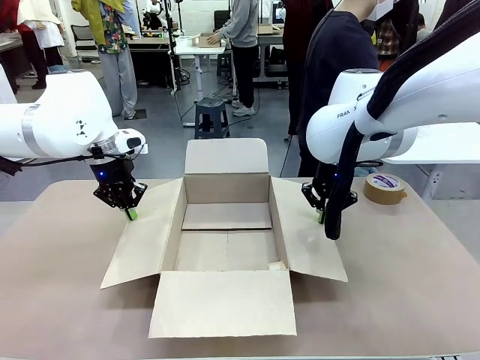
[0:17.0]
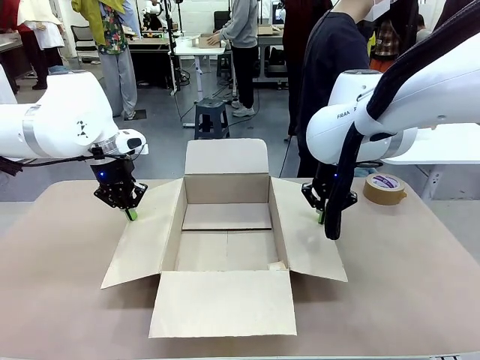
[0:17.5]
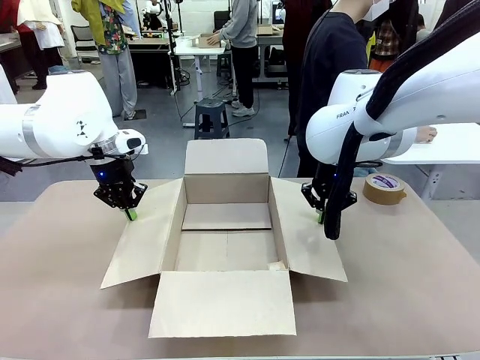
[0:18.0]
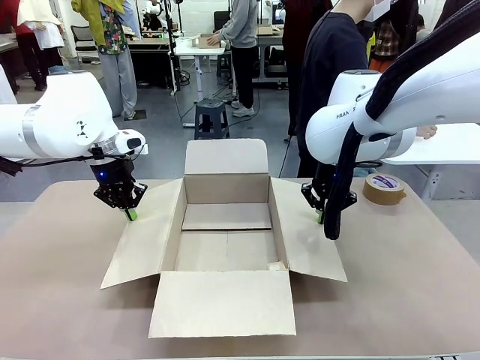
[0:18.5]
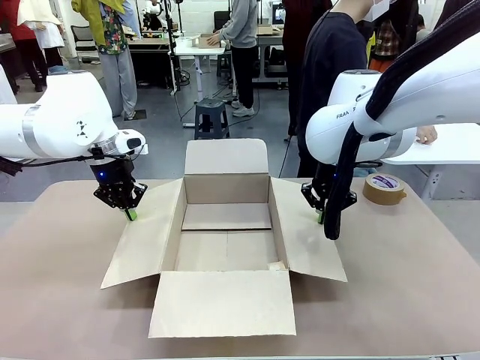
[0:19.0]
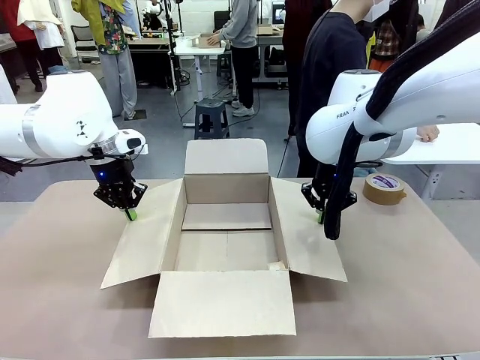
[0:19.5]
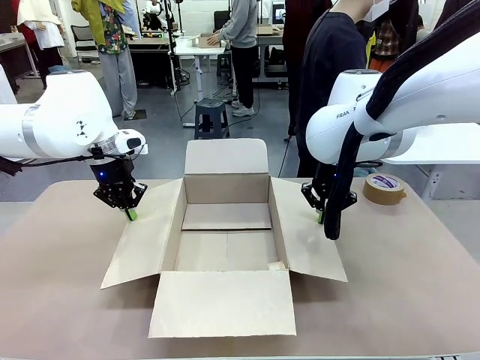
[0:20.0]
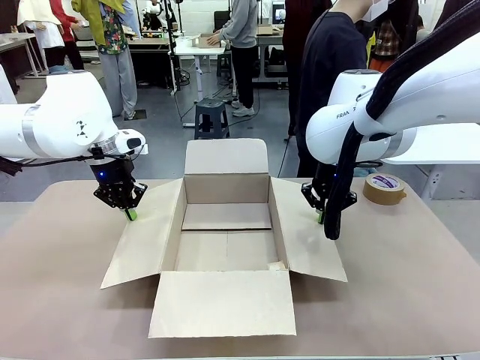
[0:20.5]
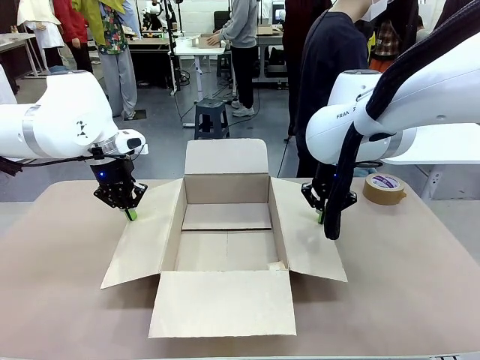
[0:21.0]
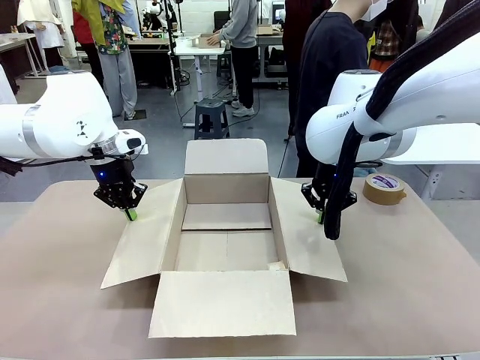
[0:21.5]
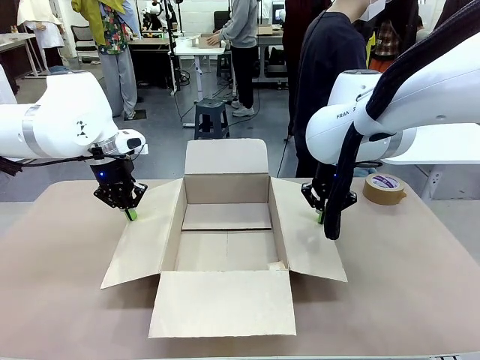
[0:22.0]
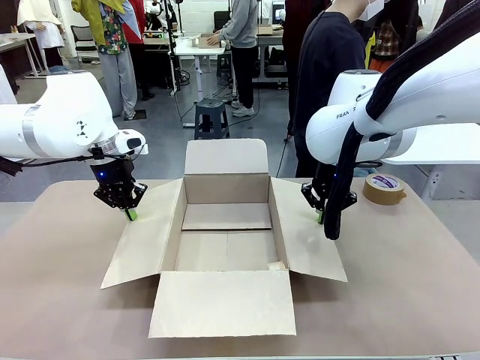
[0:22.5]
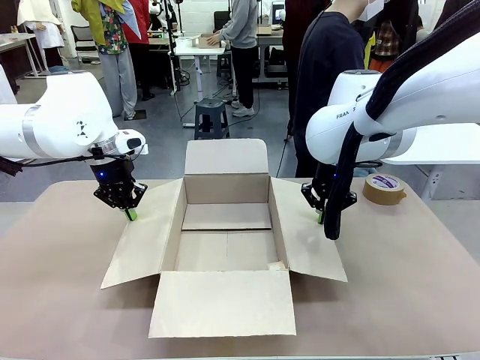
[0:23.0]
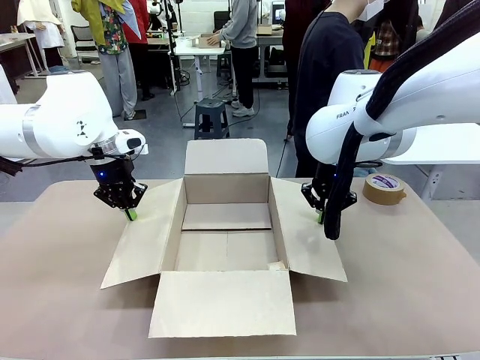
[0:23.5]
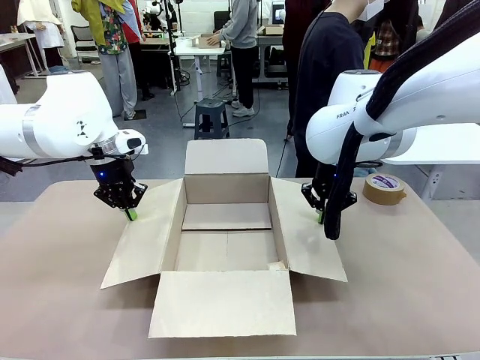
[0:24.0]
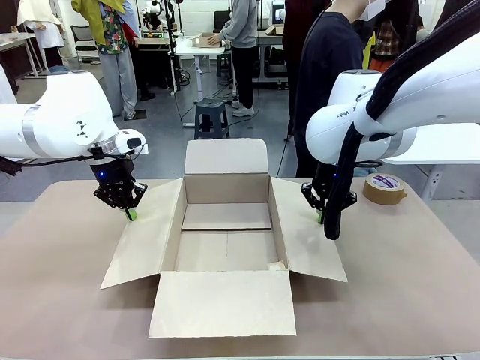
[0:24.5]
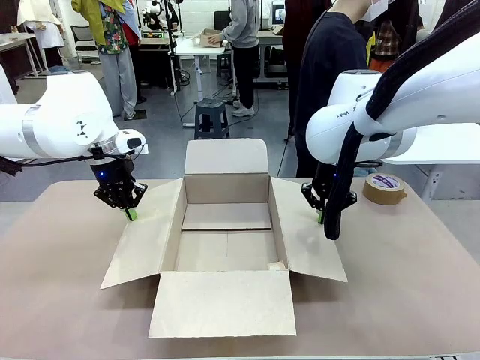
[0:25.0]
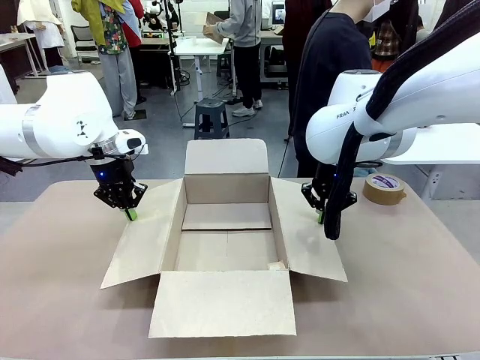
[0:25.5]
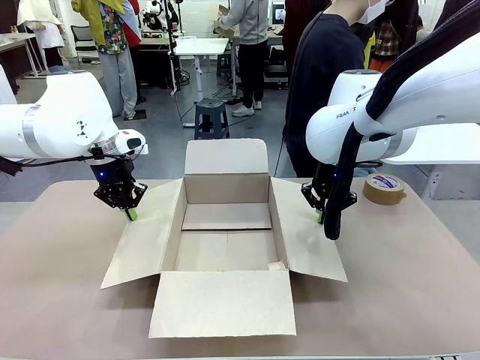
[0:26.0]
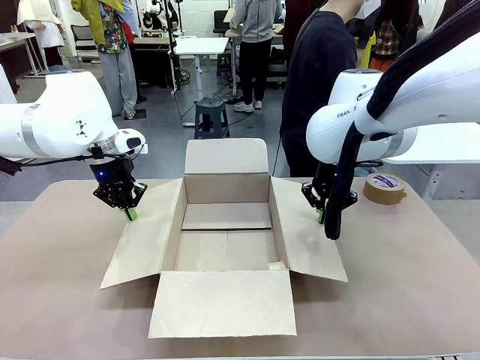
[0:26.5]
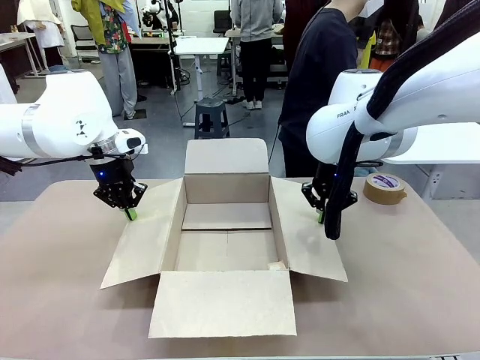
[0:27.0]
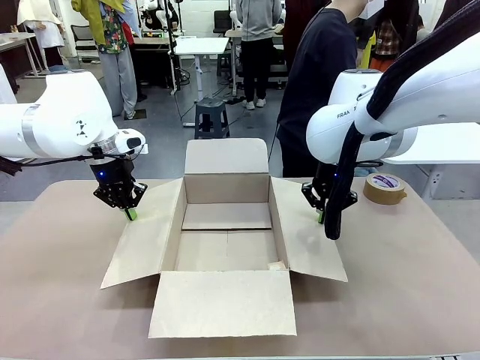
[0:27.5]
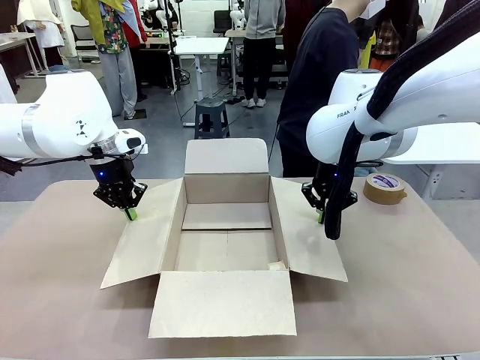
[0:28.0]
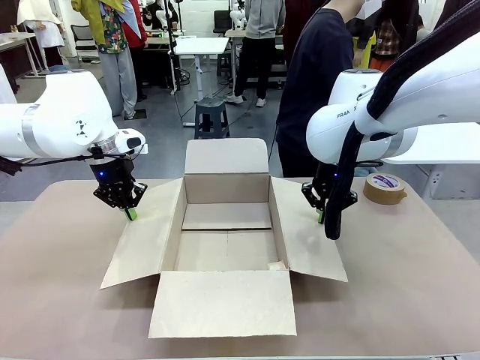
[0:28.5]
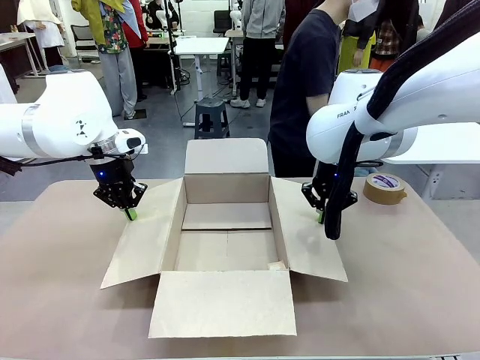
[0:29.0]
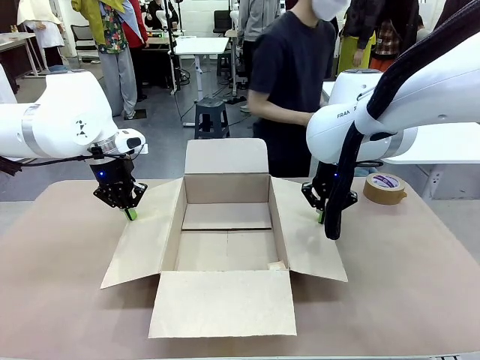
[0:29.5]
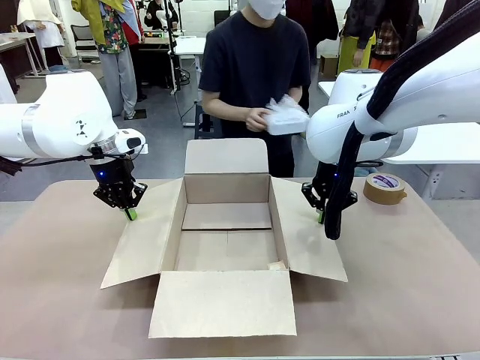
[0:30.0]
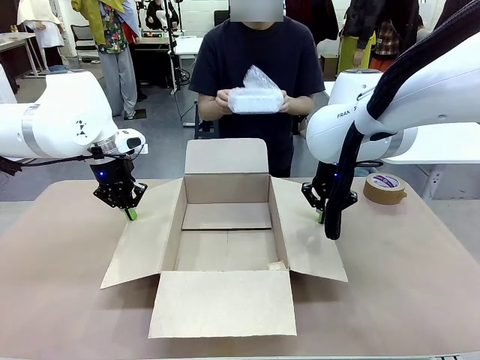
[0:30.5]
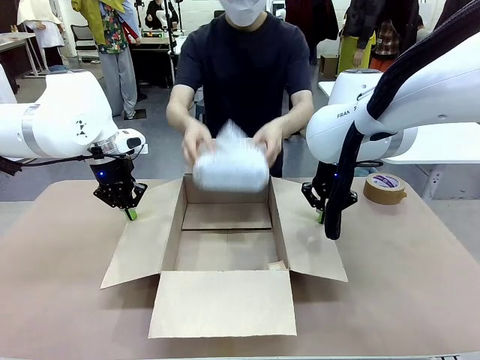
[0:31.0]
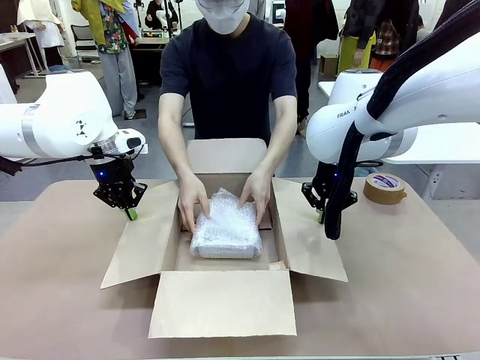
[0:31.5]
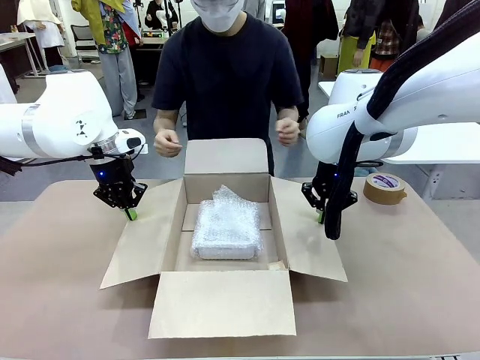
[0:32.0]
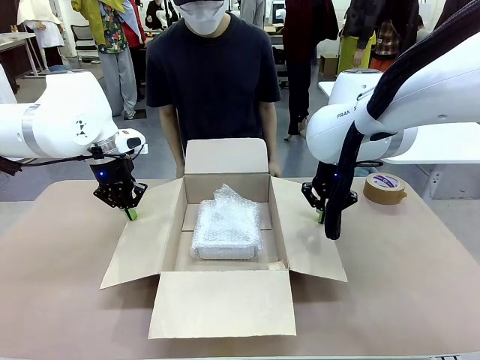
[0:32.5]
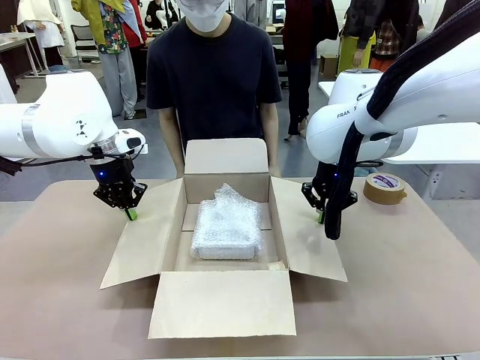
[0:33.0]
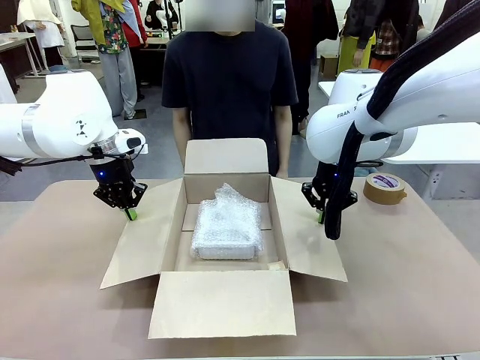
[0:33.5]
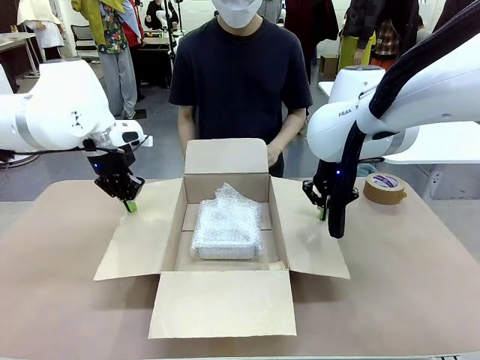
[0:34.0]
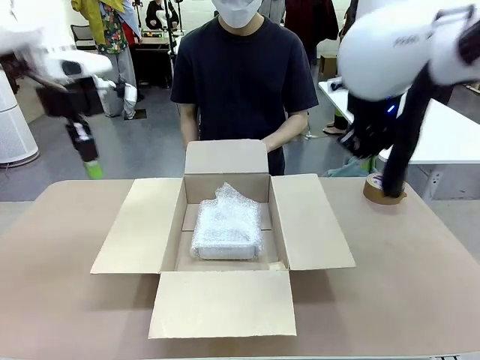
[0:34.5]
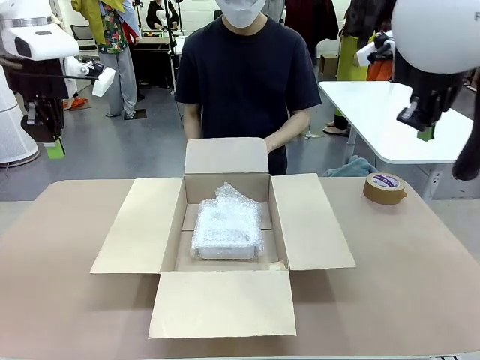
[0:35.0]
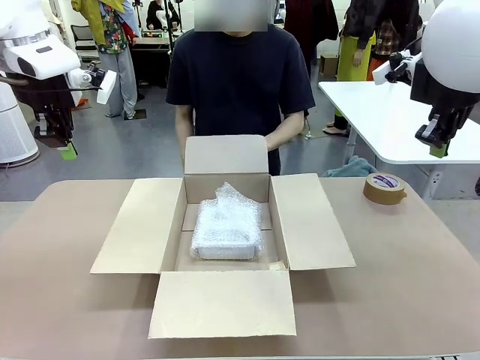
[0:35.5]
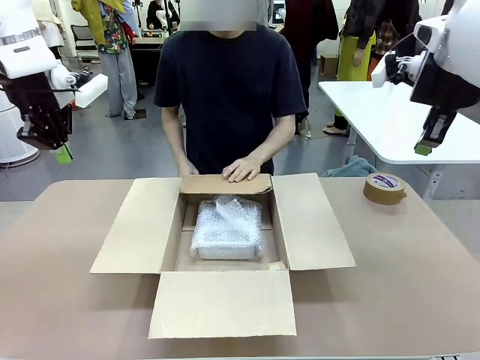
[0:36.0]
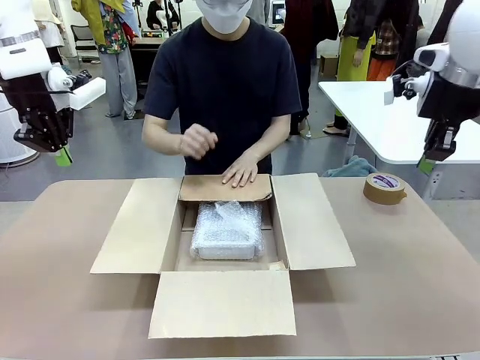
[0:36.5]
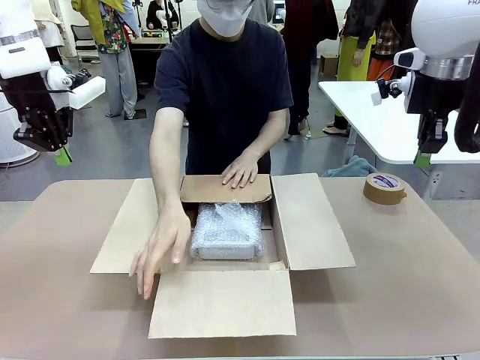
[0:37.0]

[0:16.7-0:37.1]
Task: Wrap the clocks to prevent damage.
Robot: Once the human has placed the objects inside and stepped back, release both hands from the side flaps of the Package Box.
Person: Place the wrapped Digital clocks inside the Package Box. Hold the top and bottom flaps of the Package Box closed with your left (or right) hand.

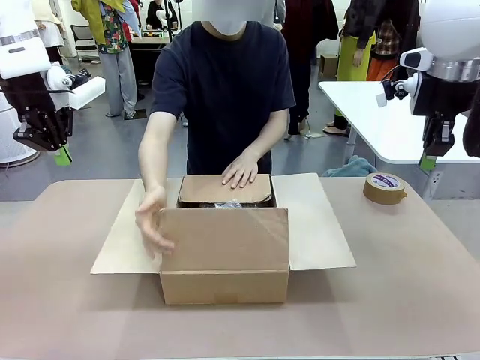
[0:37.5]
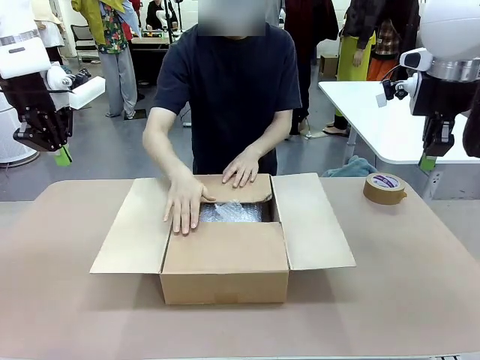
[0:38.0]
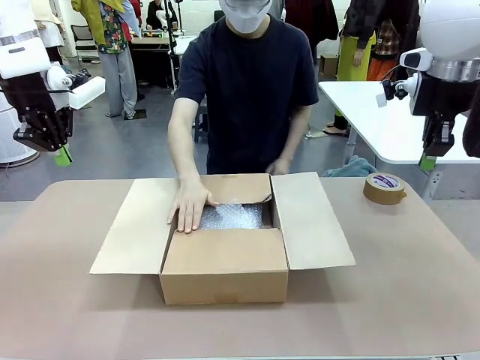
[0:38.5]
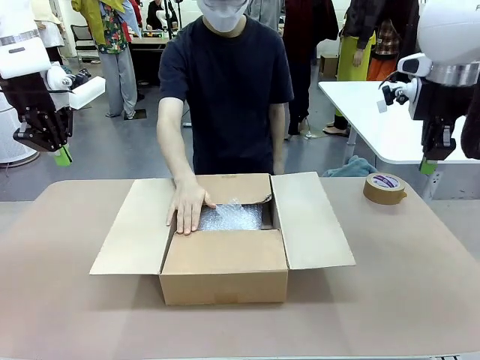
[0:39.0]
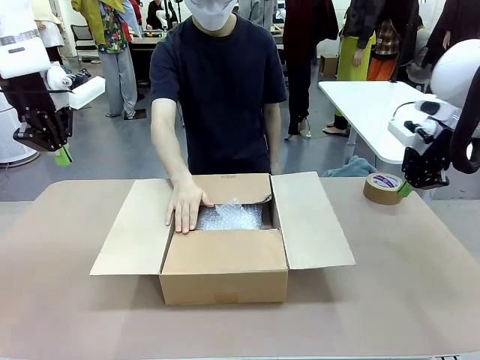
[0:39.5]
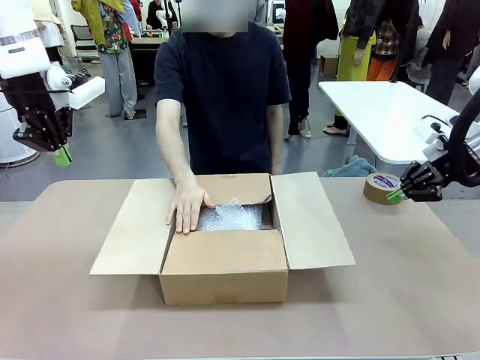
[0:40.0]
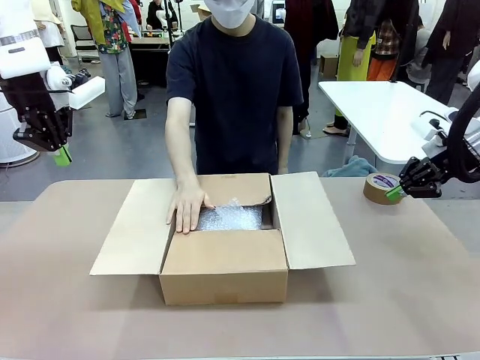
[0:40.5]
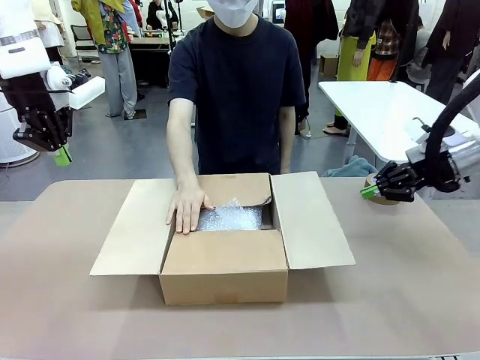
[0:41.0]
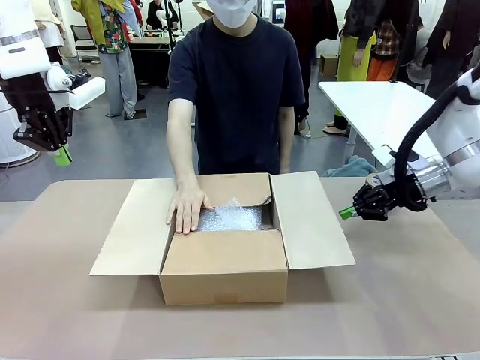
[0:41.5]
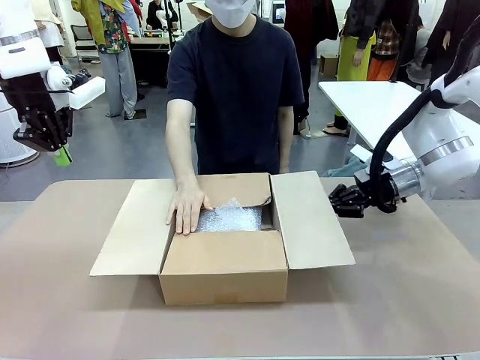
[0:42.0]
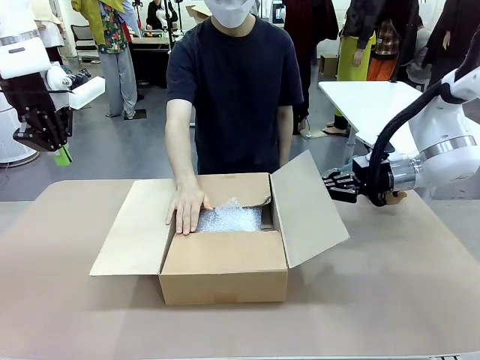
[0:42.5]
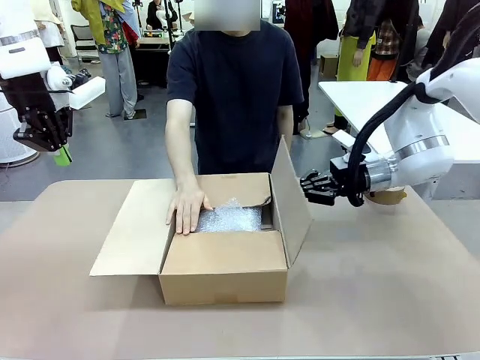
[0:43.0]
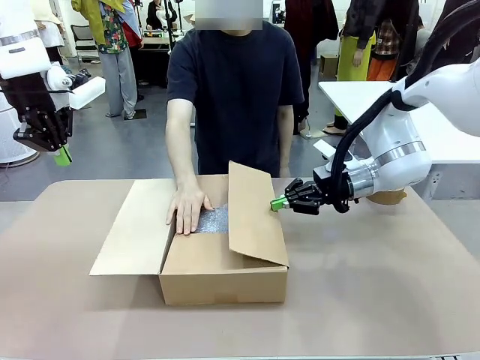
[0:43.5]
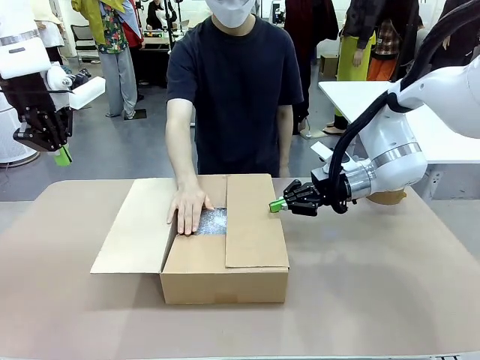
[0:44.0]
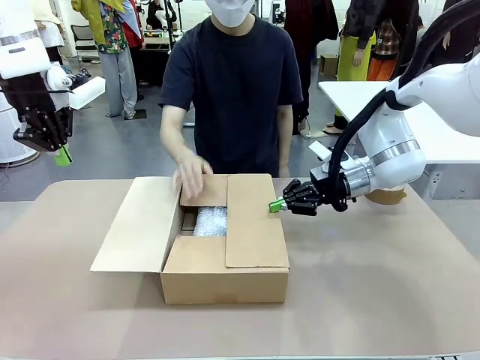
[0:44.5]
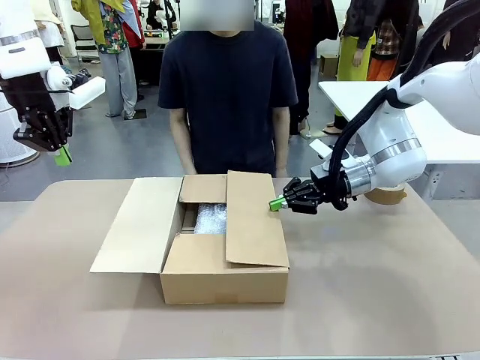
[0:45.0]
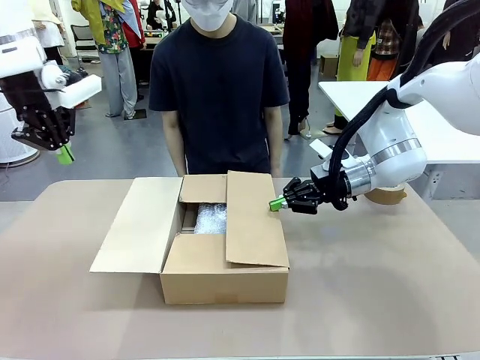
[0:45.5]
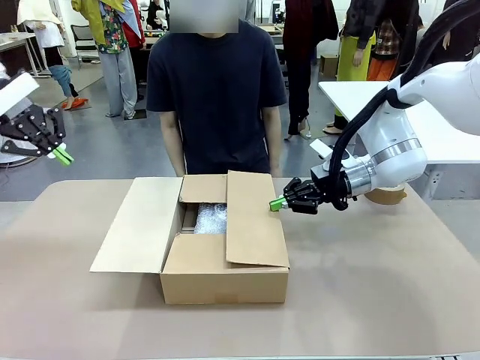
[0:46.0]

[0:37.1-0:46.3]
Robot: Push the right (or left) flap of the Package Box to close it.
Person: Once the robot closes the right flap of the Package Box , release your left hand from the box.
